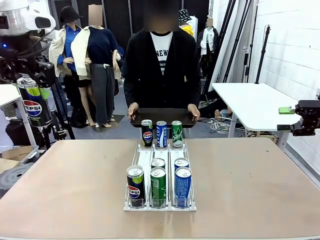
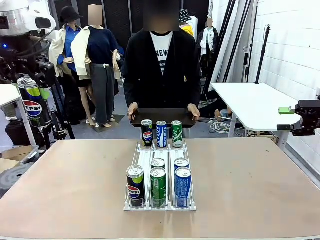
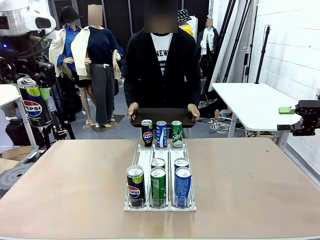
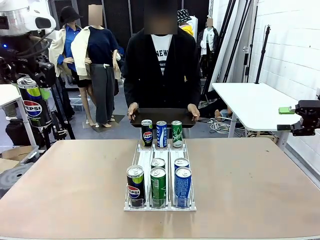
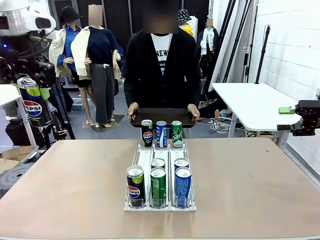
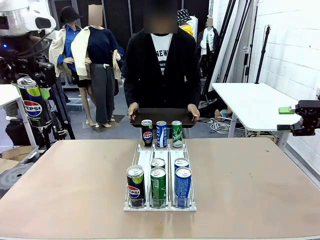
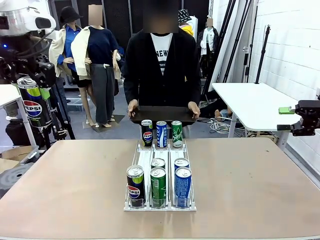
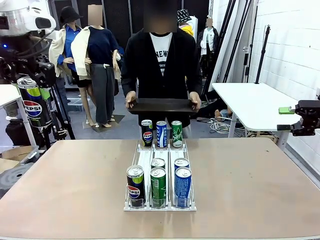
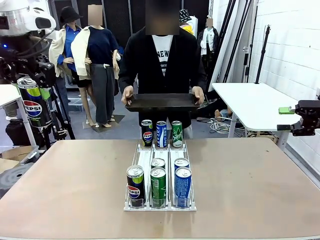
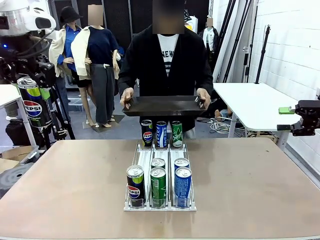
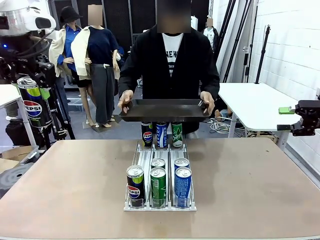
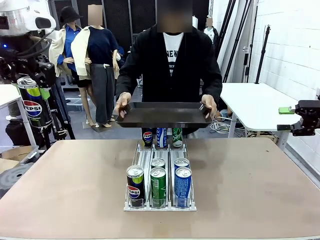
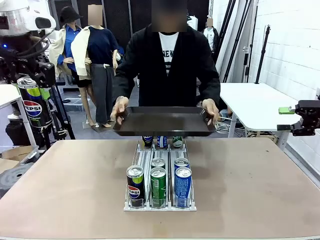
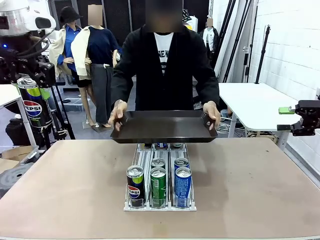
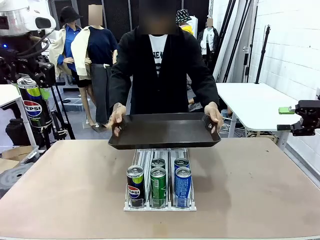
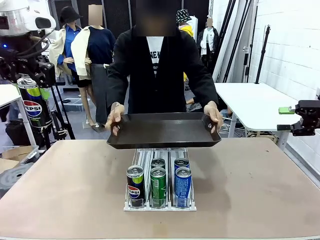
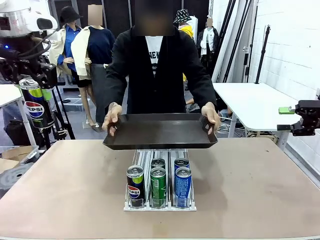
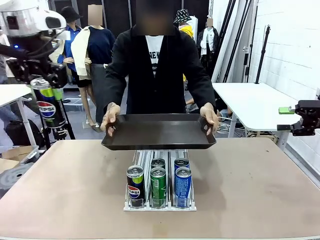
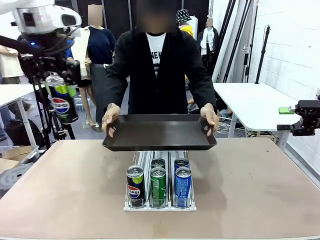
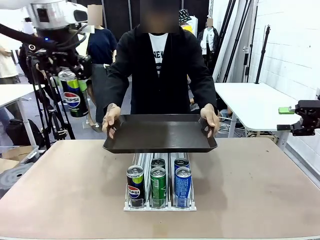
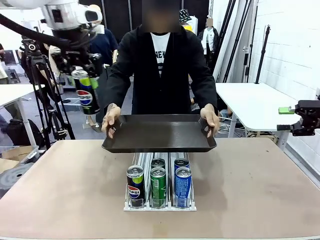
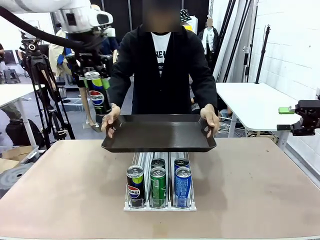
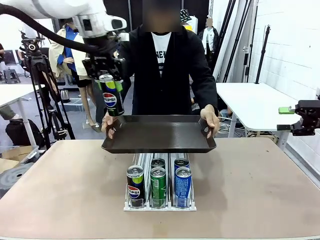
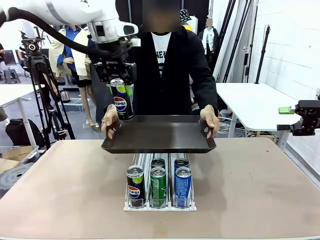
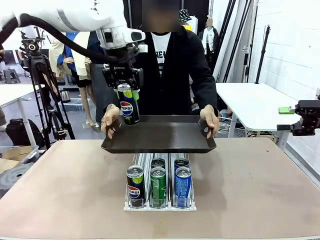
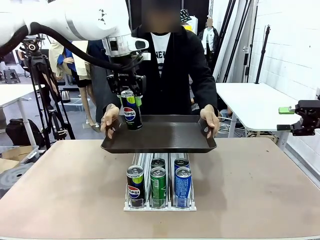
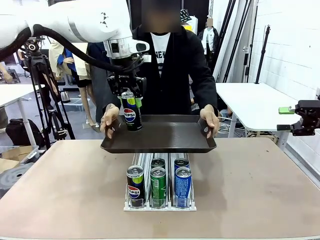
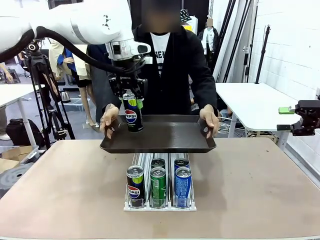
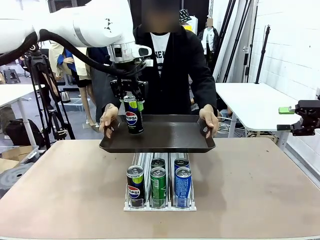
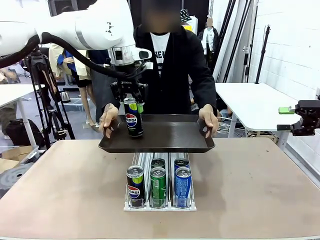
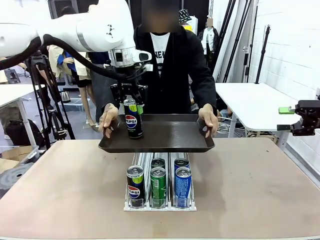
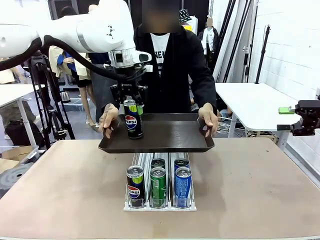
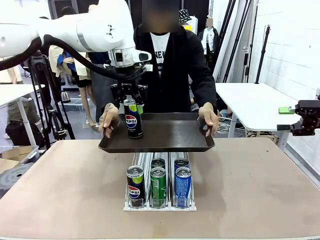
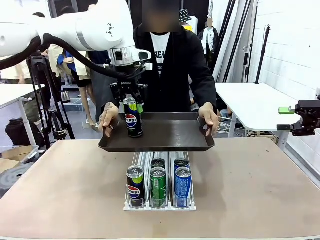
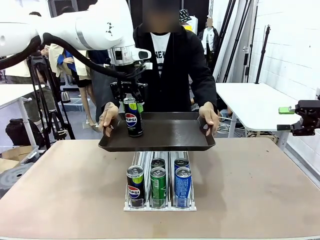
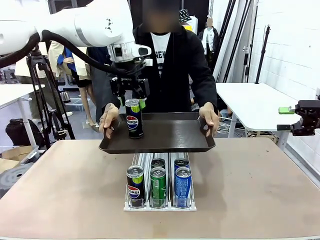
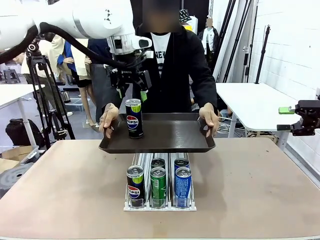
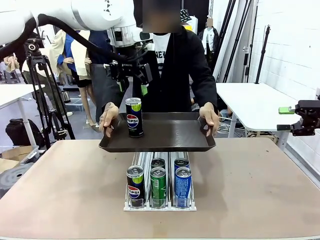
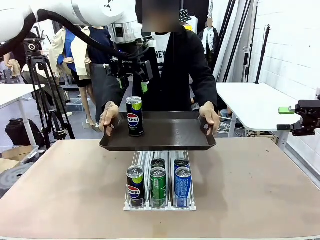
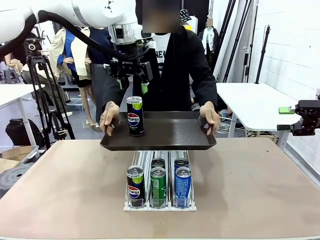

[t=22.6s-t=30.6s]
Task: Retrieve and hand over the desired beverage to the person.
Robot: Place the picked can on the Handle tray extended by the person.

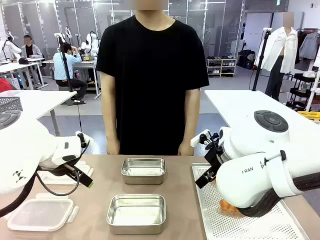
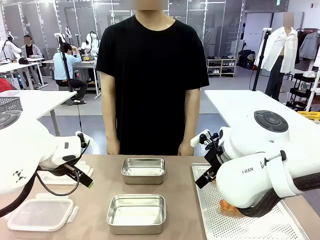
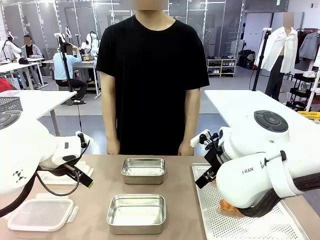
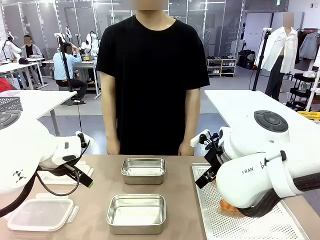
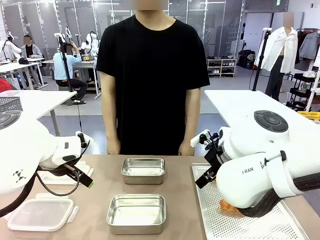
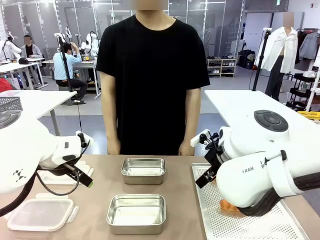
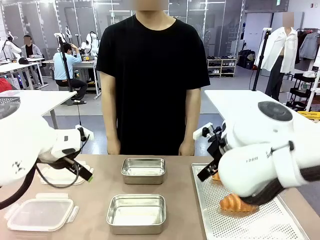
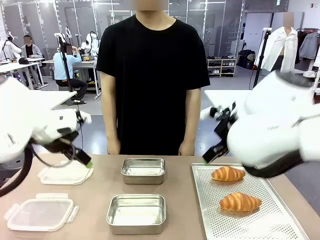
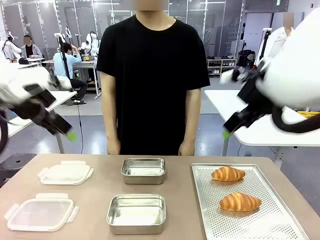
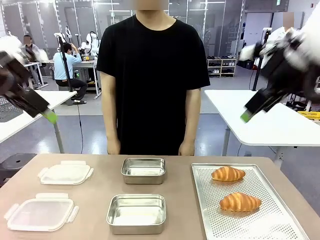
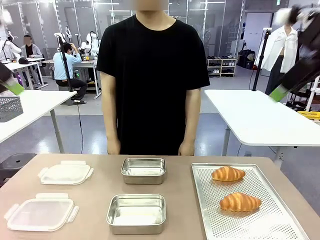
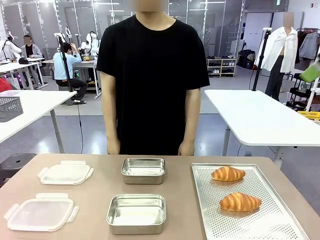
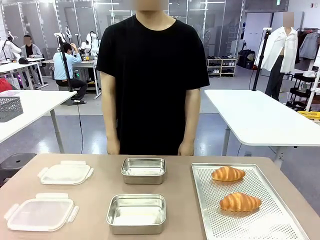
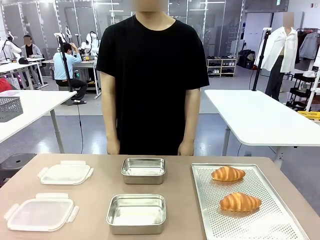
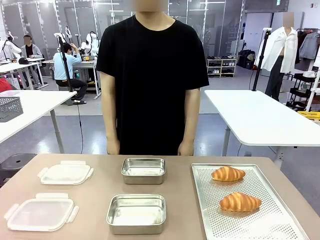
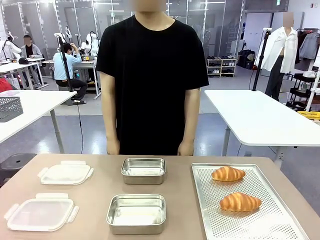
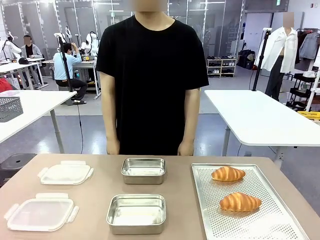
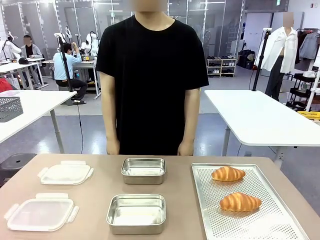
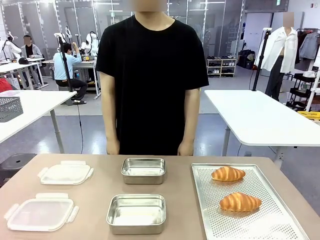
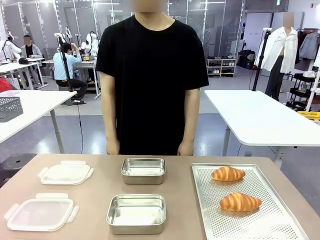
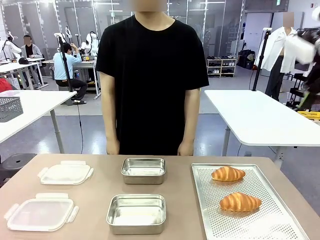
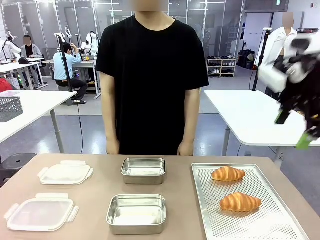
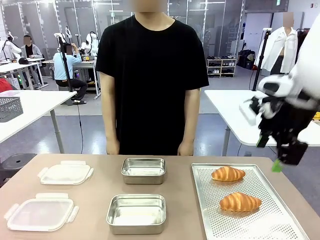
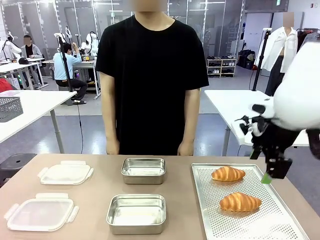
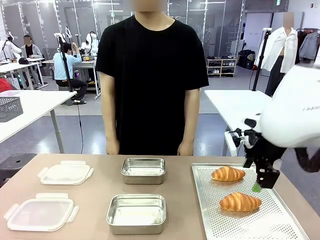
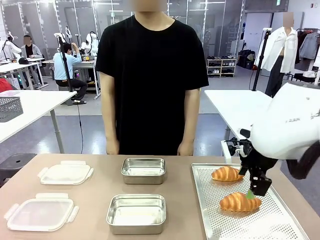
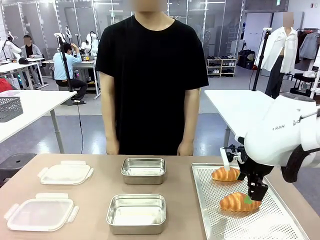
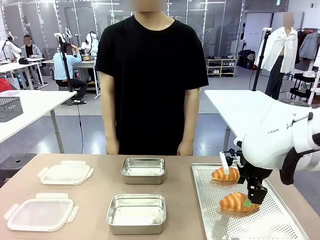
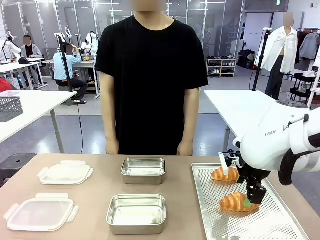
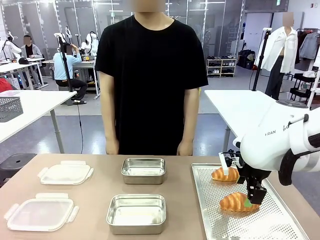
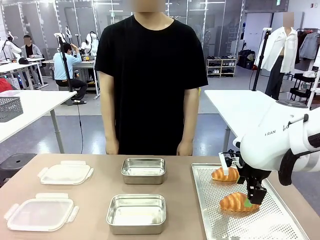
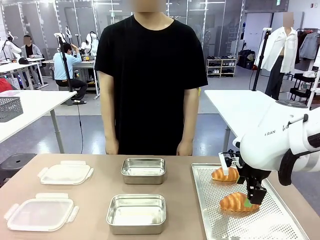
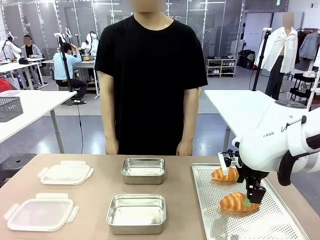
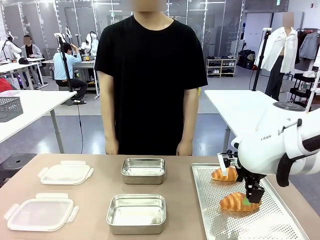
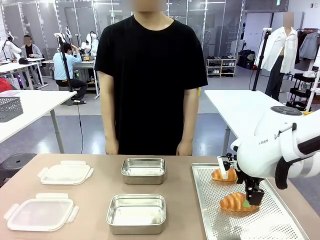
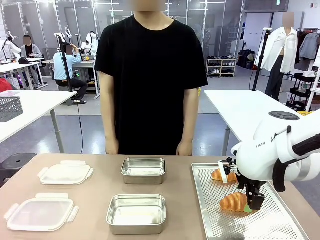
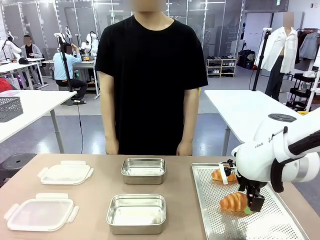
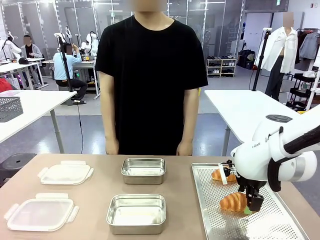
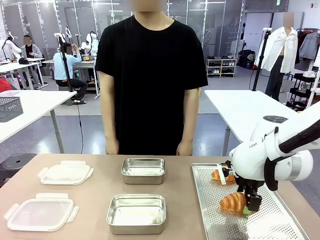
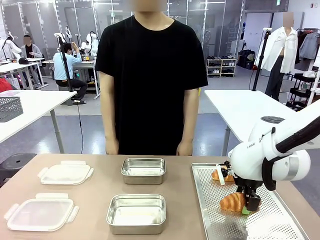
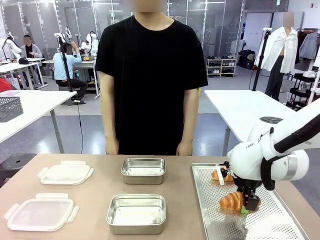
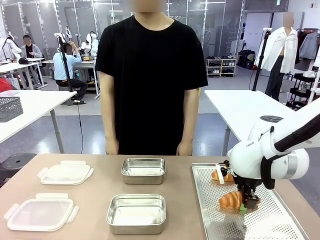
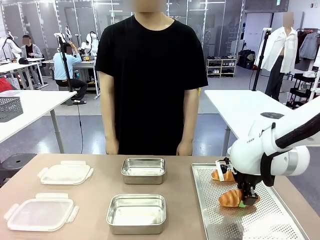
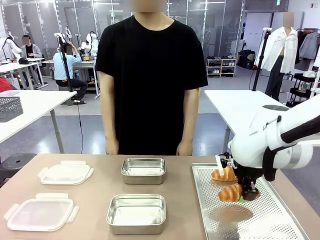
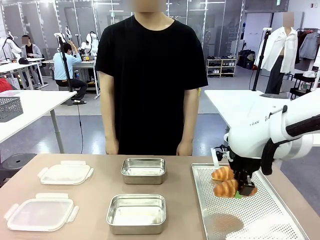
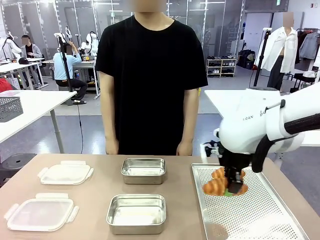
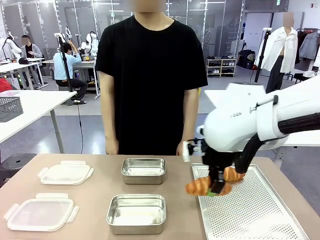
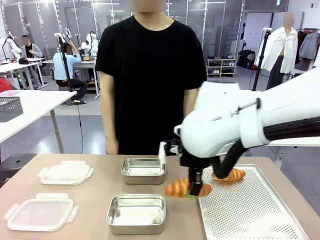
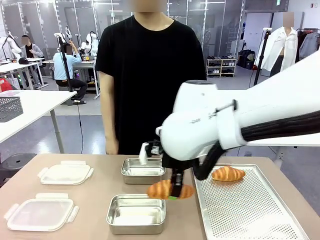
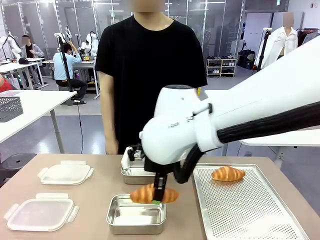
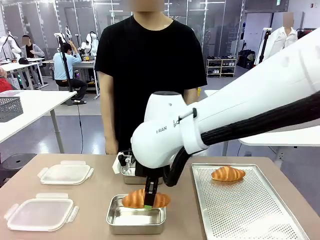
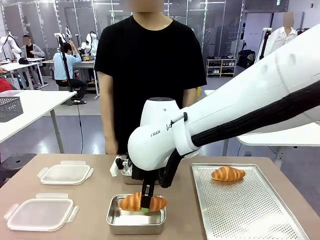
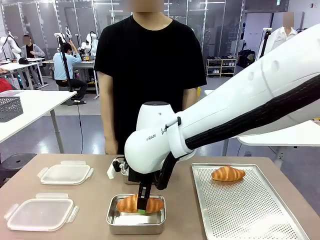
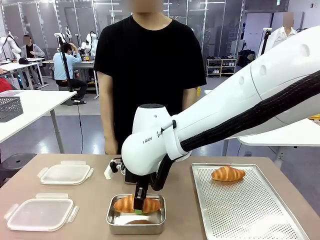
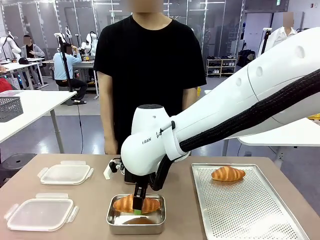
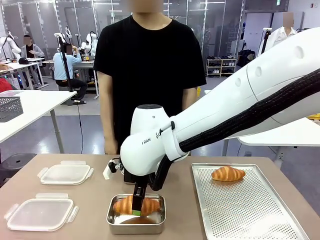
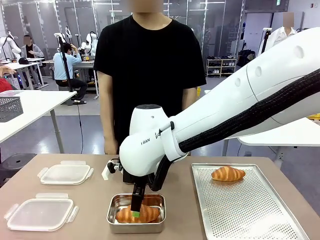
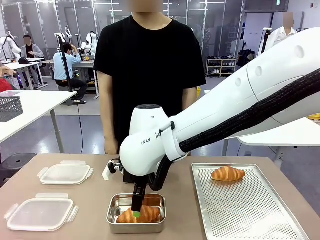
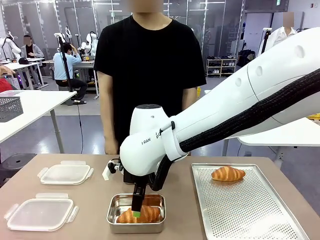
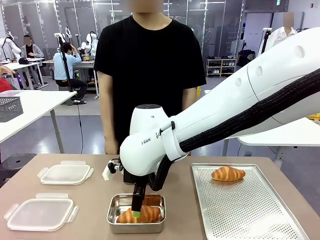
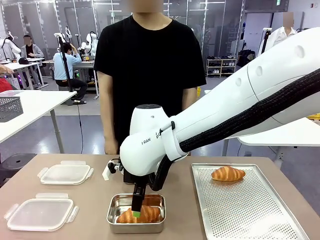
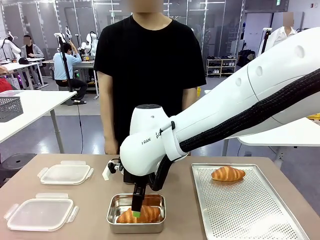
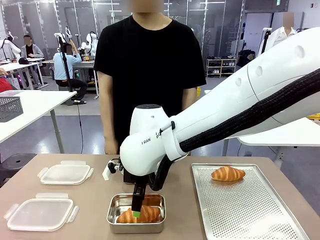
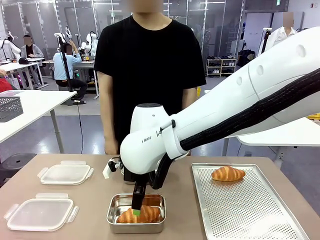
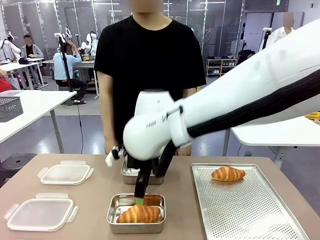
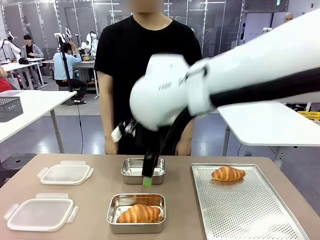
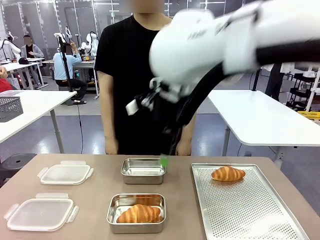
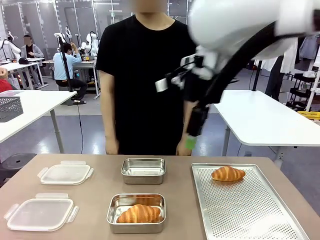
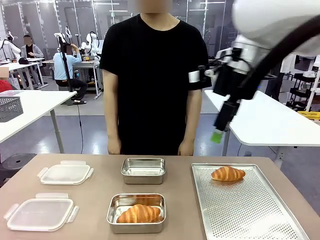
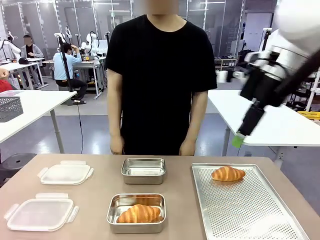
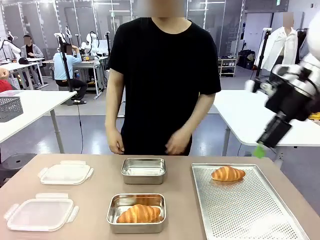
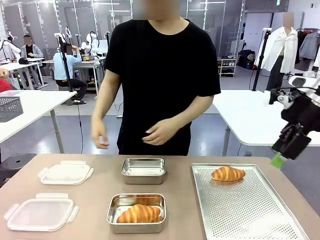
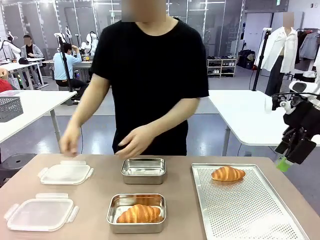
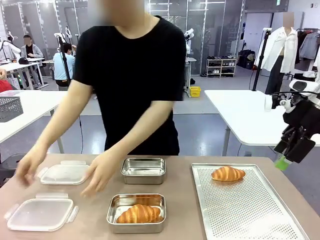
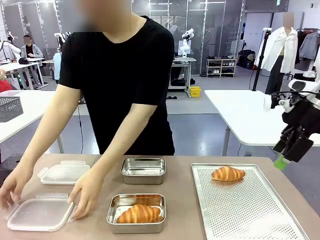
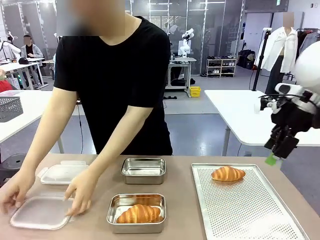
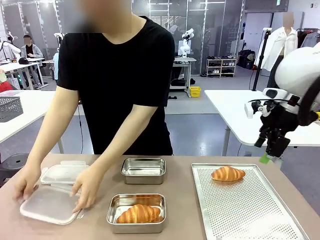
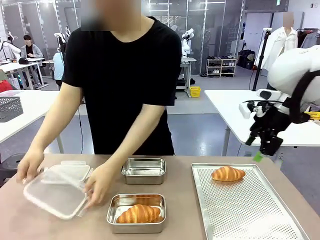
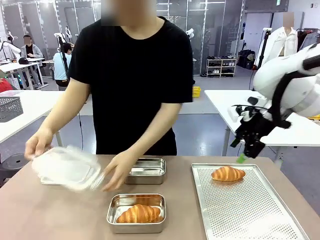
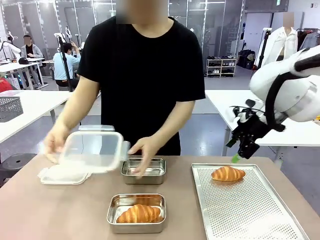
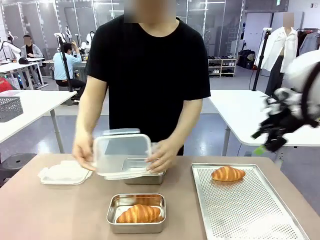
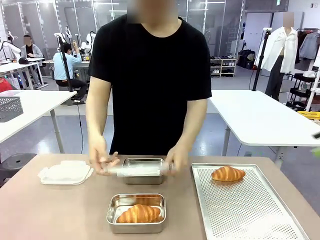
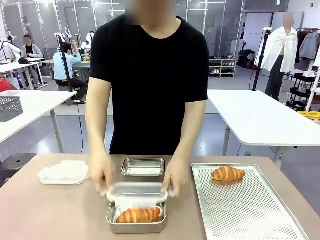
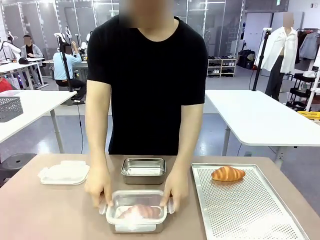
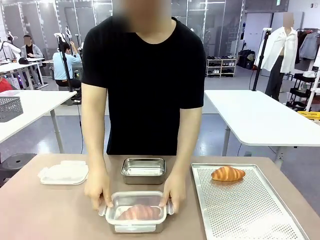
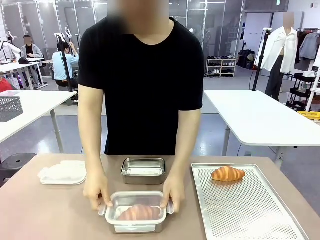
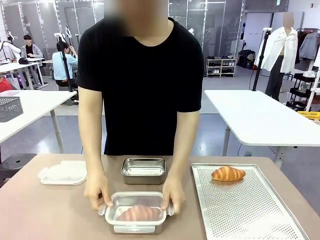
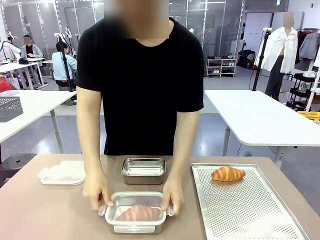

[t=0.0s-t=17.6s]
Task: Place the bread into the airtight container.
Robot: Pick up a Butter Roll and place it into an empty Airtight Container.
